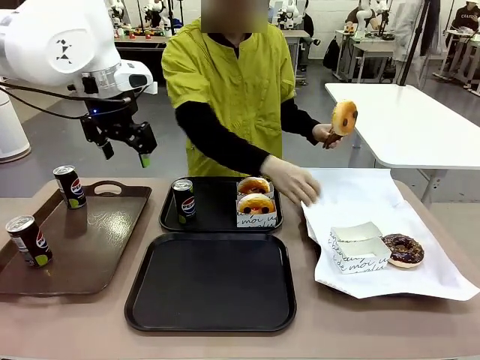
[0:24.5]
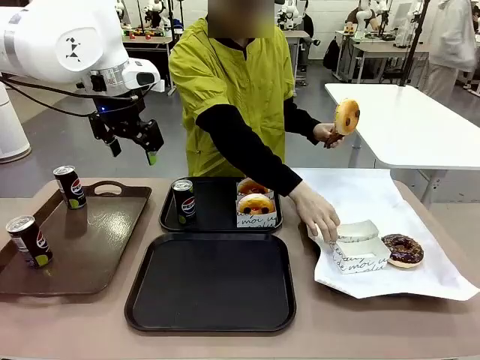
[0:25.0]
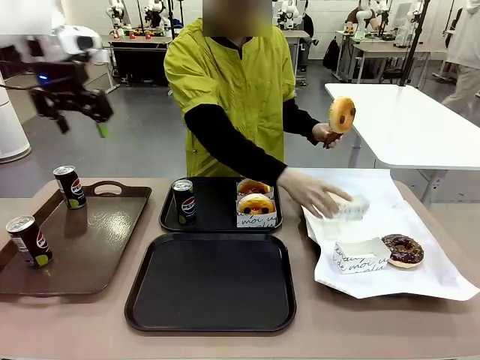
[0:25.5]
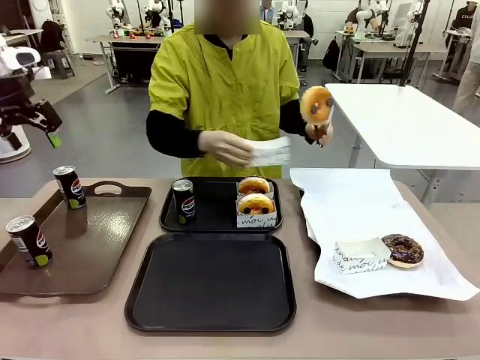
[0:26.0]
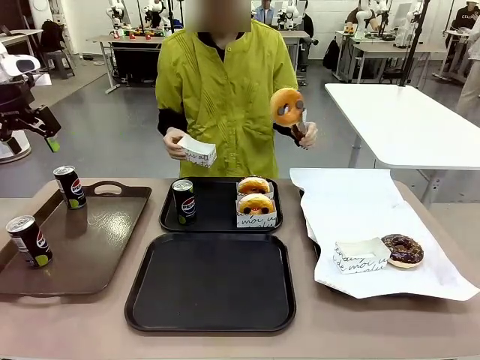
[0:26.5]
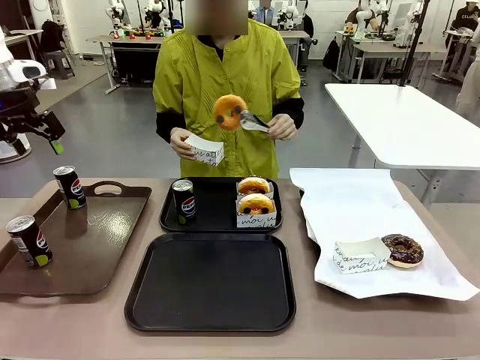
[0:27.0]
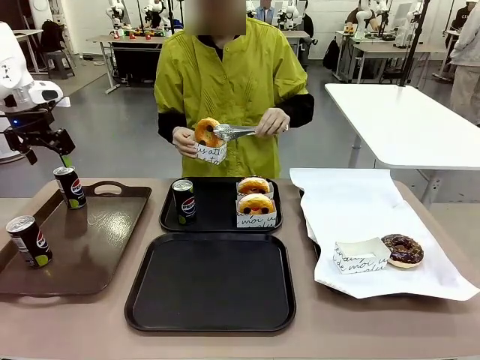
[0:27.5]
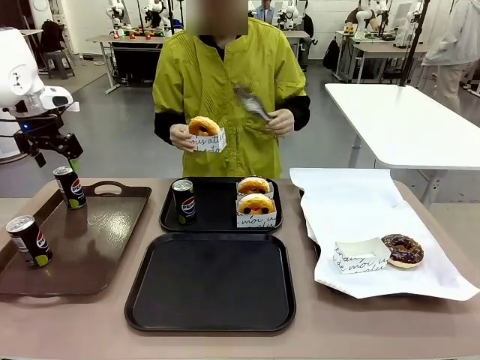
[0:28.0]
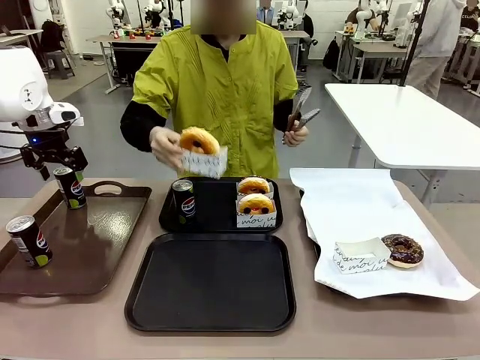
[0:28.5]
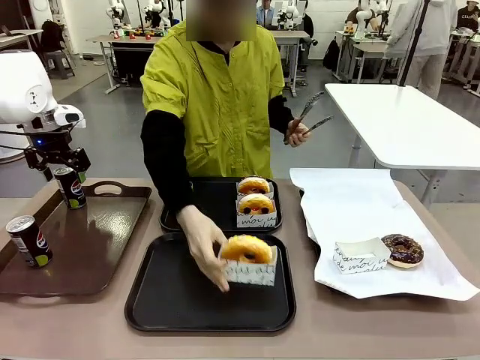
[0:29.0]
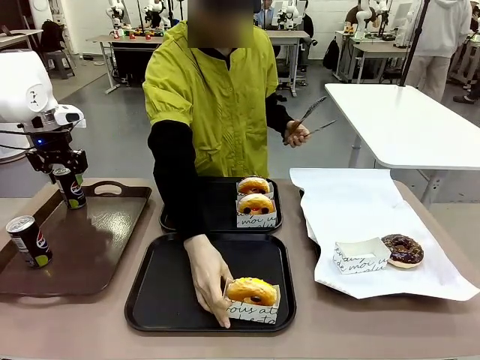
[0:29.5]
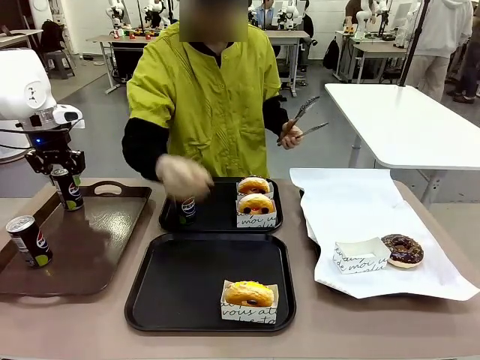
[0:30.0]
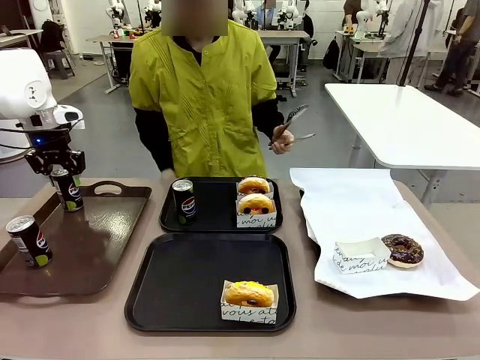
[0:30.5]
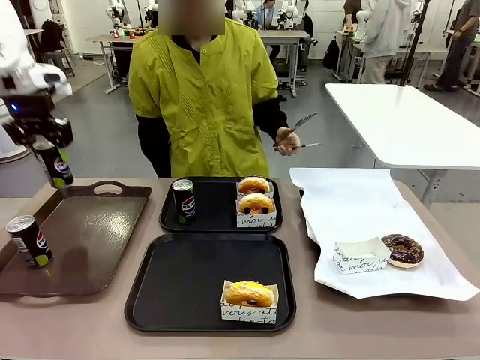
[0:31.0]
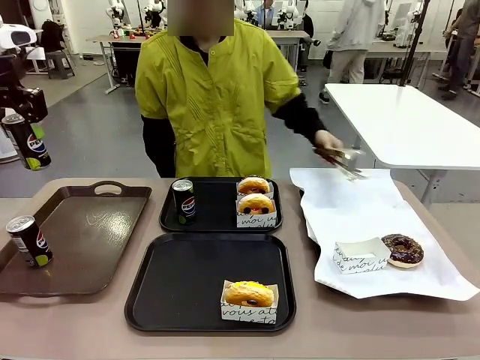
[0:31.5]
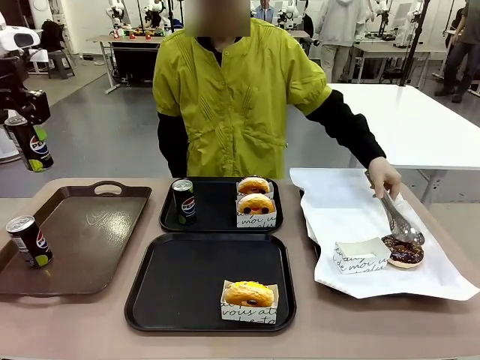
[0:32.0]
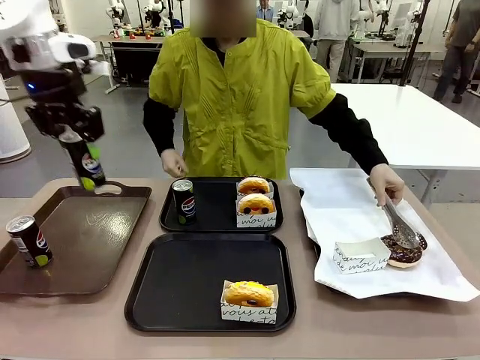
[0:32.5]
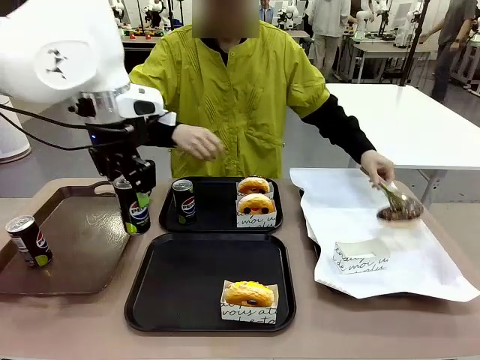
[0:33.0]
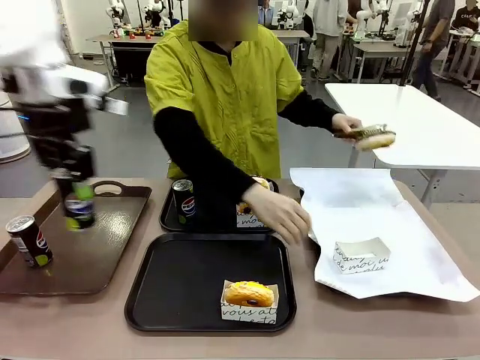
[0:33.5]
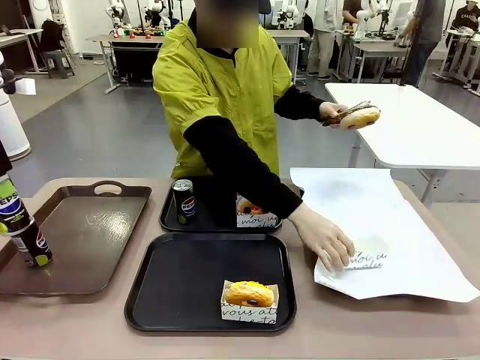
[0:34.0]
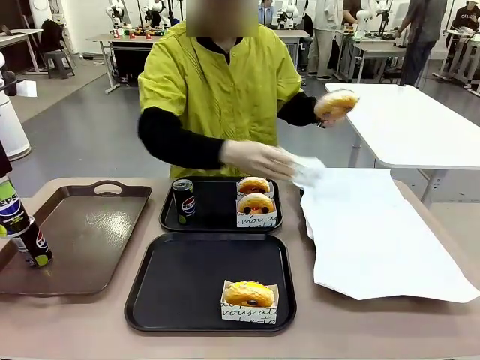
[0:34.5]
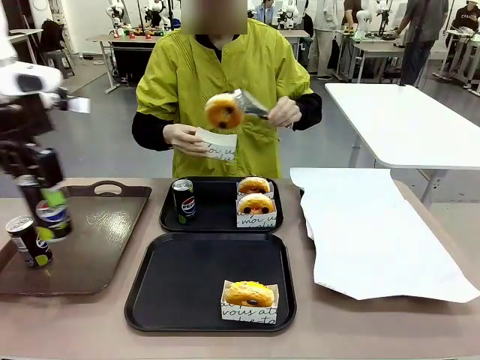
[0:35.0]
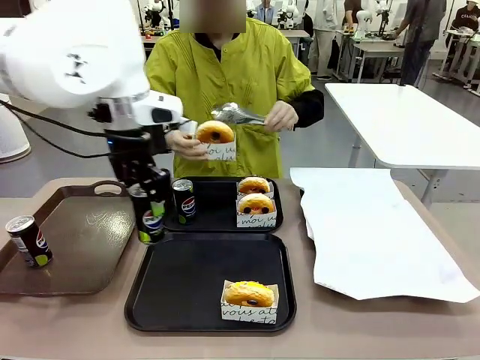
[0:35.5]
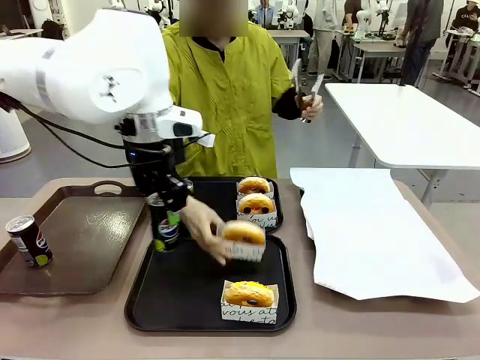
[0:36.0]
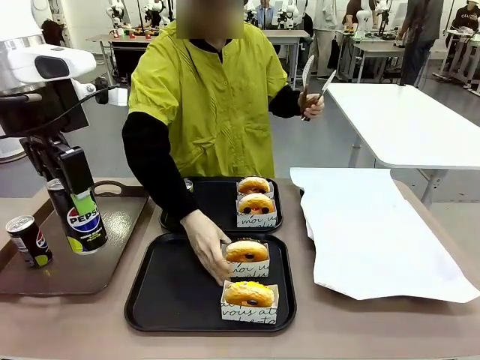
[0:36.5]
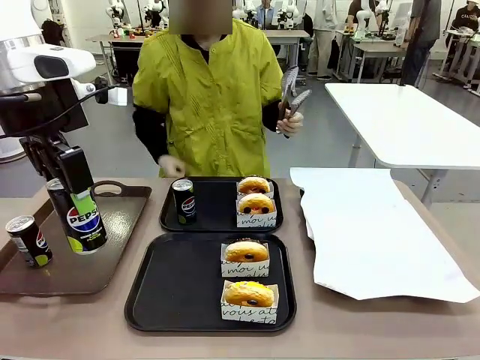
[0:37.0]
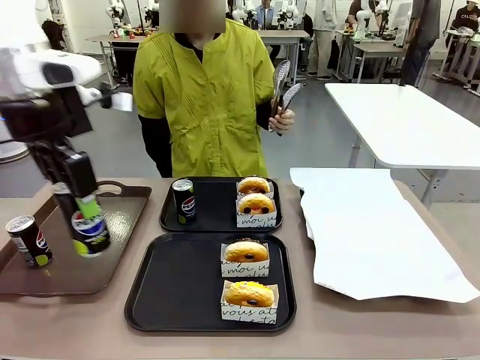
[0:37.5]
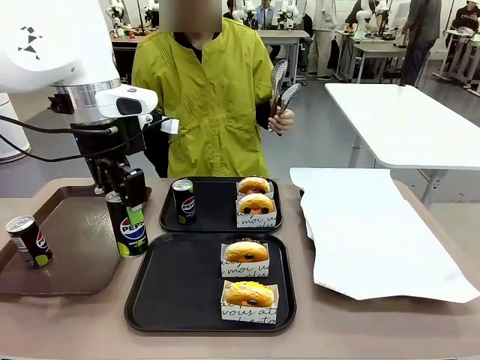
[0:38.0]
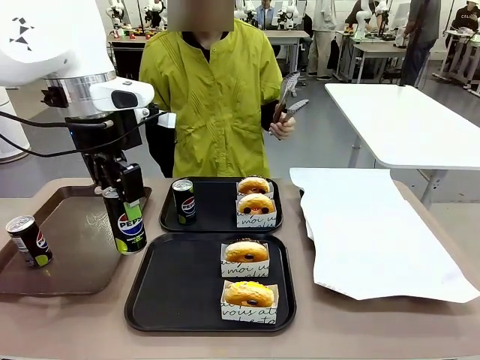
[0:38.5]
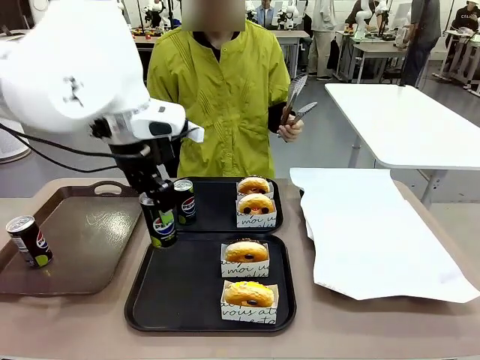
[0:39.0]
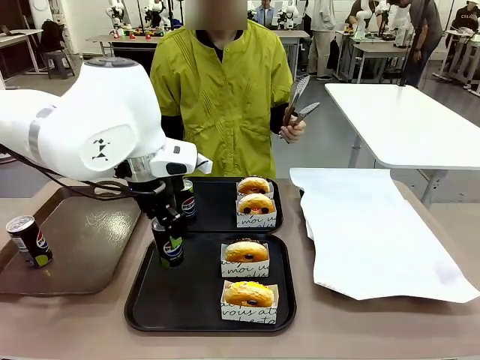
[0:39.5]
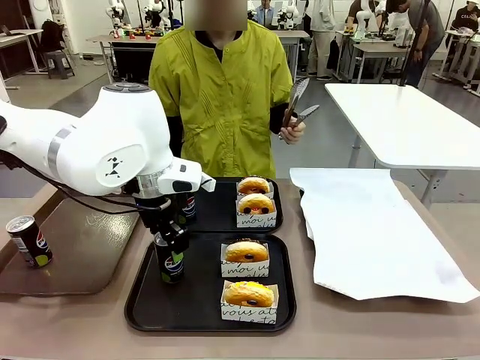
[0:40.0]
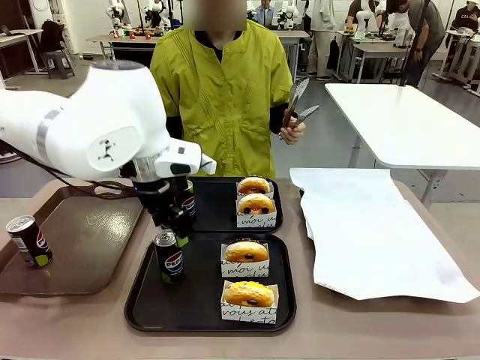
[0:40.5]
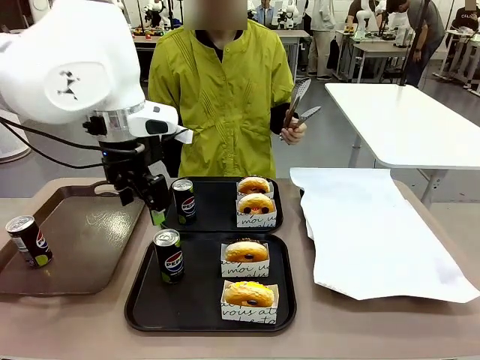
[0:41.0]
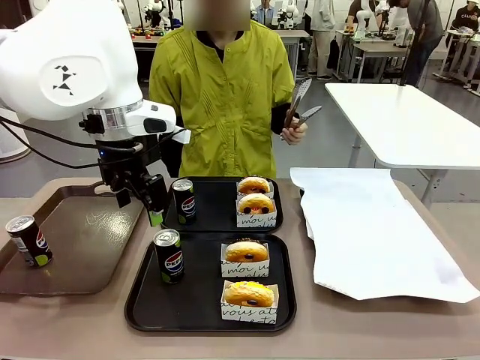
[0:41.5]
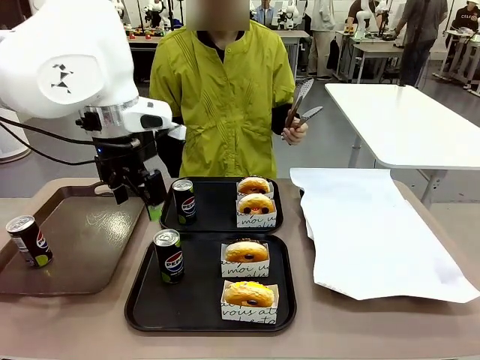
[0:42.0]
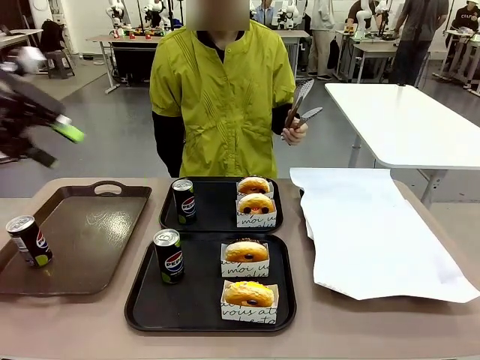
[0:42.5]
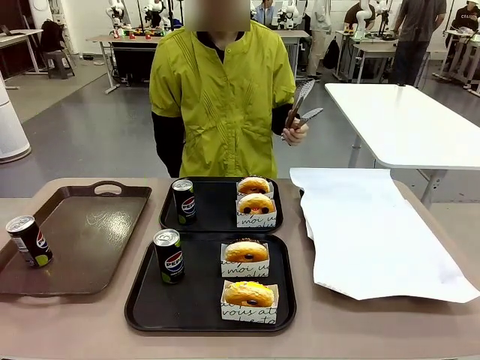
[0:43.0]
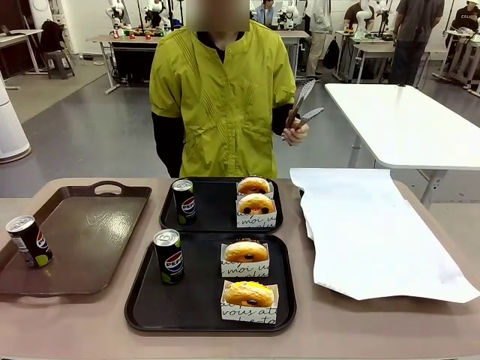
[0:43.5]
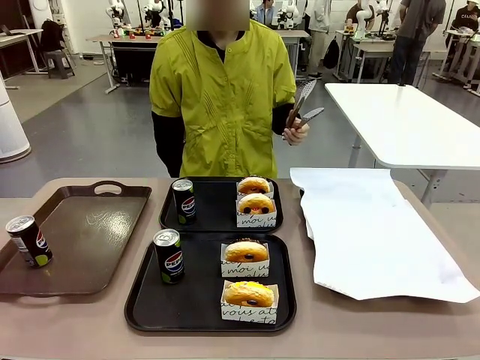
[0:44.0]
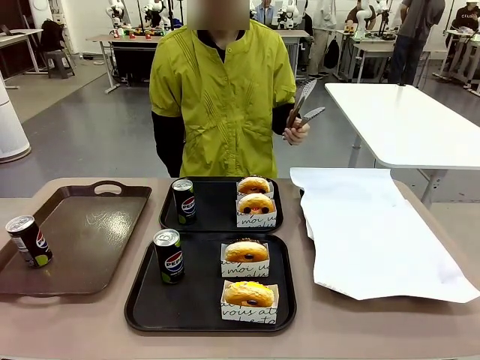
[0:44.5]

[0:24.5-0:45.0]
Task: Set up donuts and drinks on trays.
Robot: Pick up one Pepsi coke from the Handle tray and place it on the Flat Tray without a Pepsi coke.

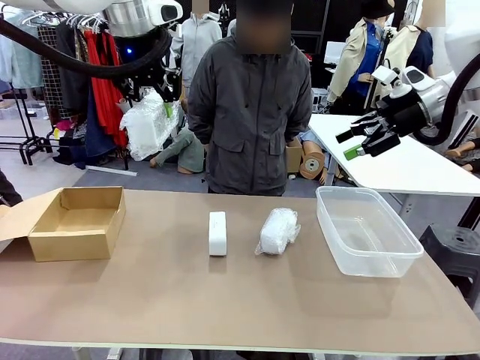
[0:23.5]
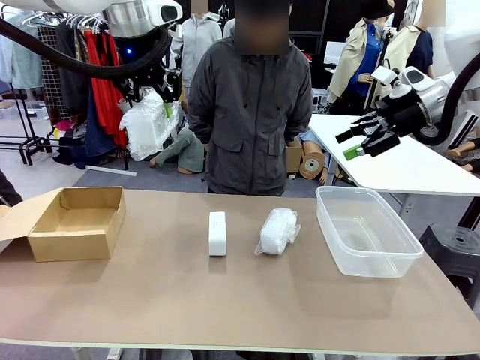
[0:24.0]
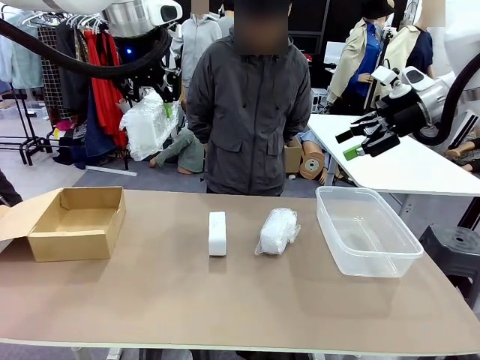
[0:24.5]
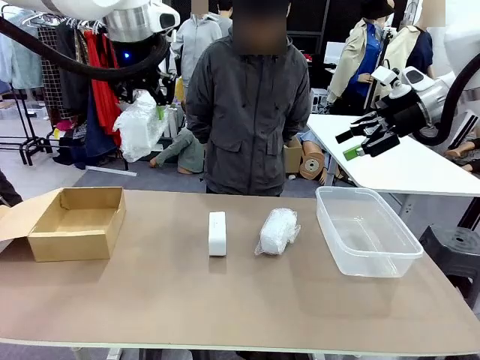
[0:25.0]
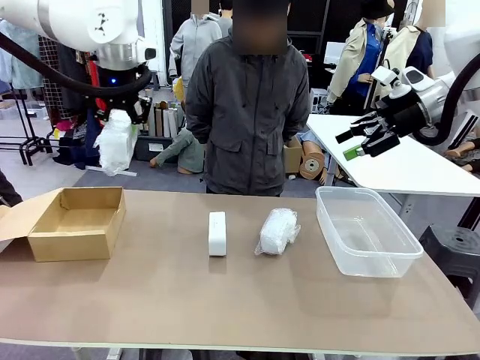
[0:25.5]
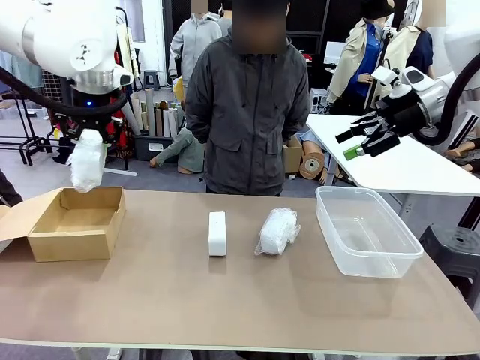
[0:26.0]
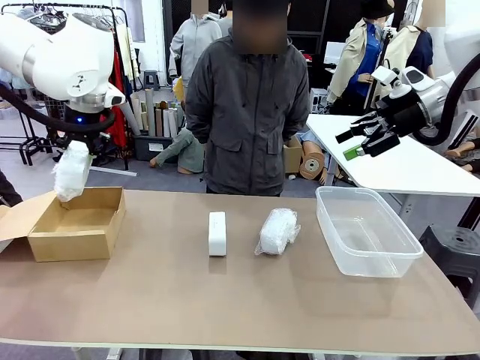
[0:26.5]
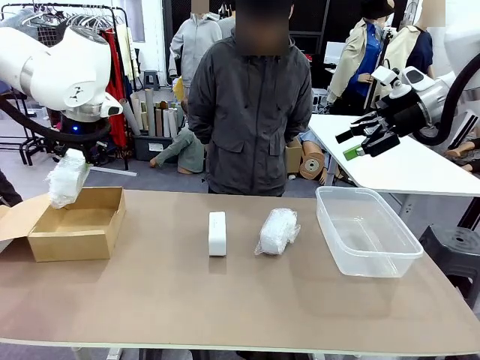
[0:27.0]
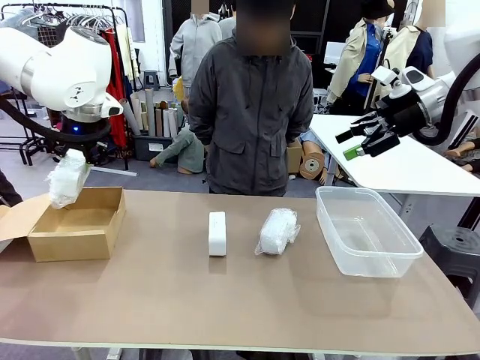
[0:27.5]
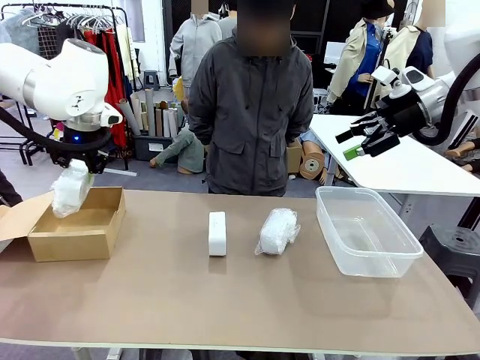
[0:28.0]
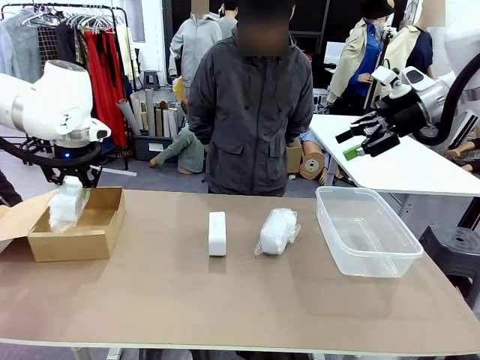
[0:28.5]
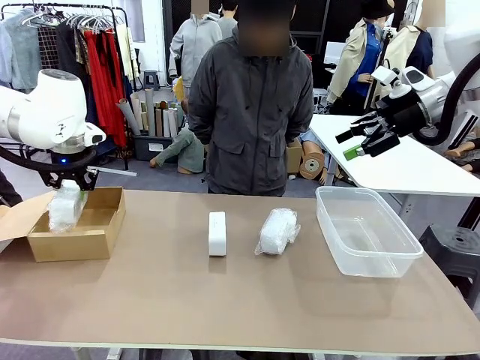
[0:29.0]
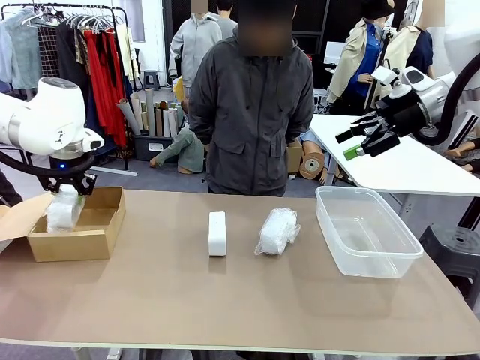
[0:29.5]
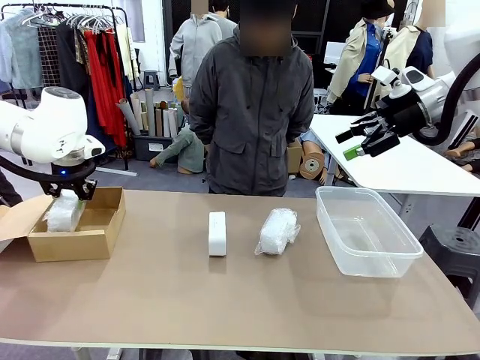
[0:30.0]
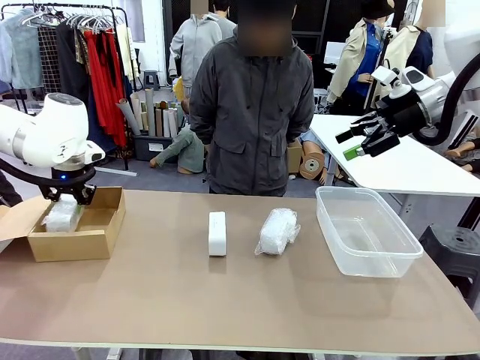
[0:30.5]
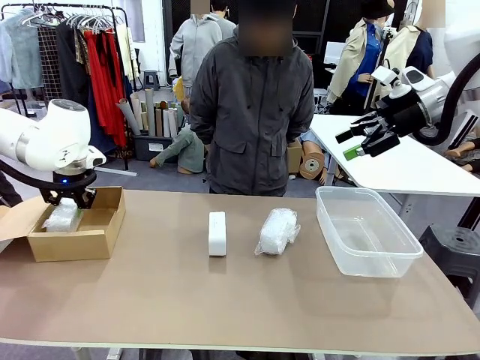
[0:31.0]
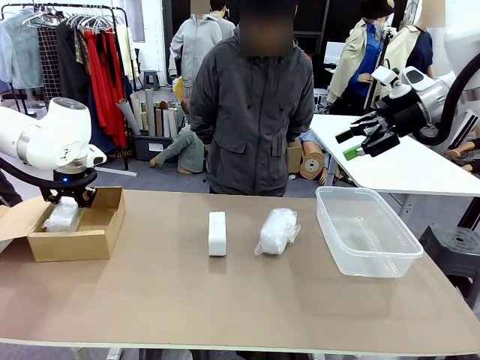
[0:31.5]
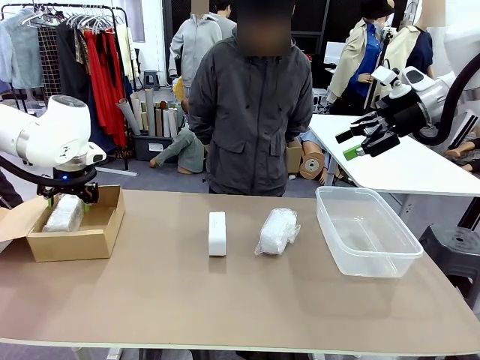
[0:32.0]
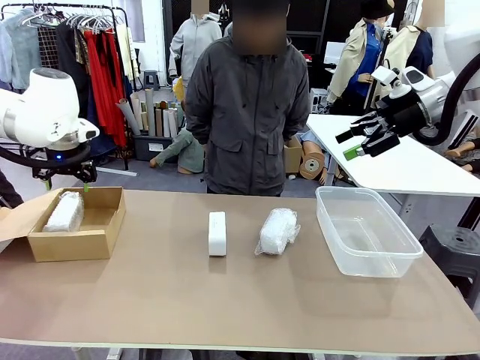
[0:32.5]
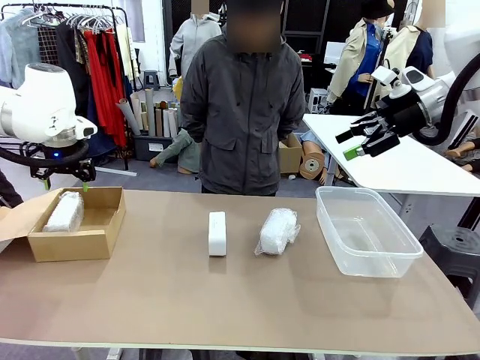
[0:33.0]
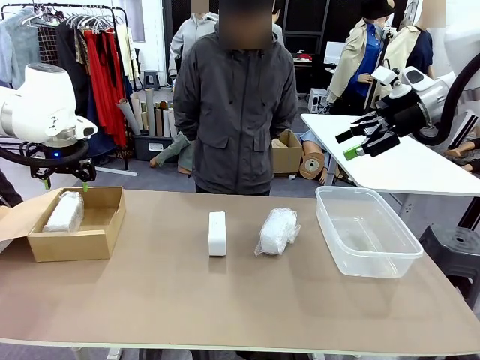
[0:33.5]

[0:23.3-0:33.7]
Task: Separate and place wrapped and unwrapped clocks.
Robot: If the picked Digital clock is wrapped, place it in the Package Box ; if not, place it in the Organizing box.
